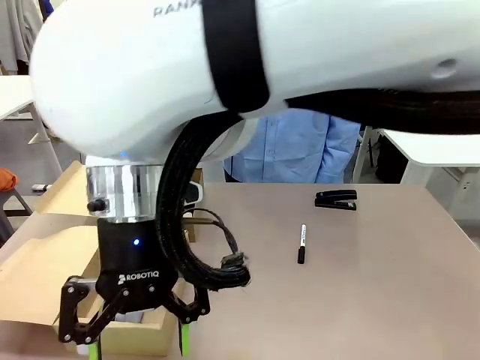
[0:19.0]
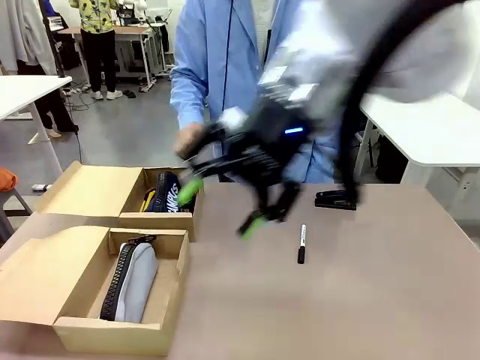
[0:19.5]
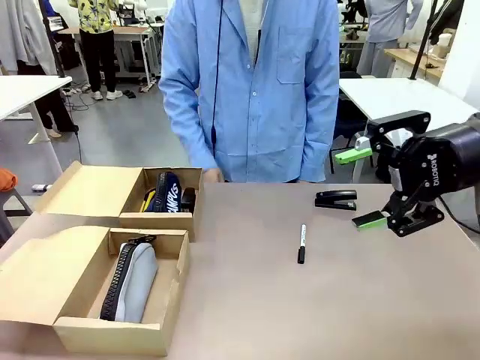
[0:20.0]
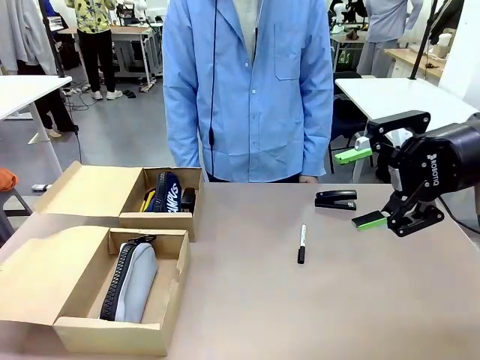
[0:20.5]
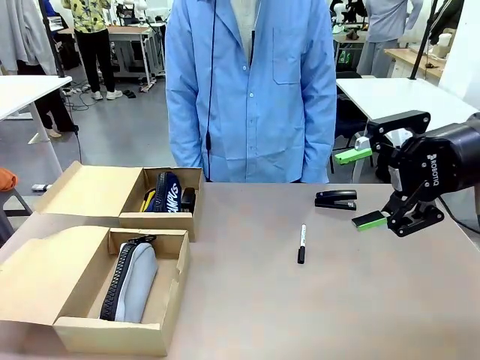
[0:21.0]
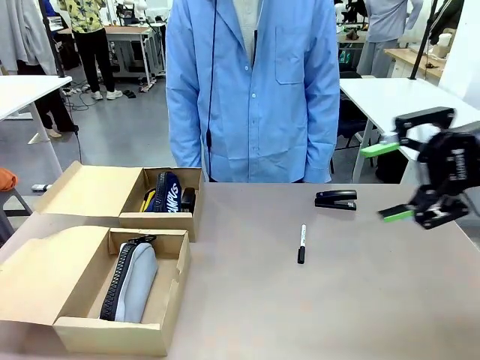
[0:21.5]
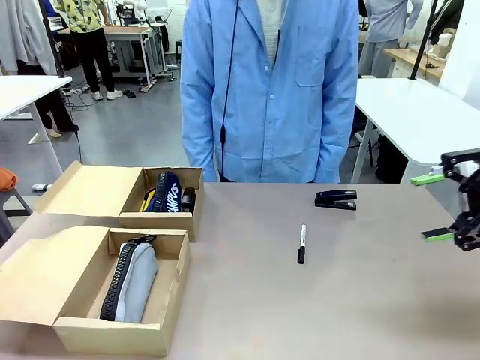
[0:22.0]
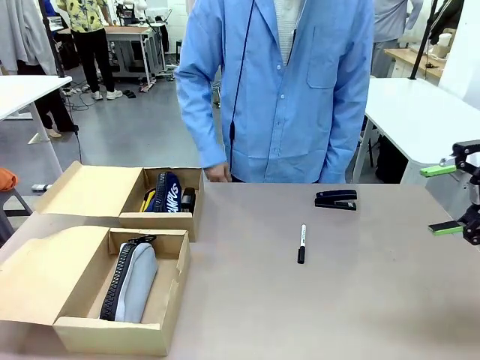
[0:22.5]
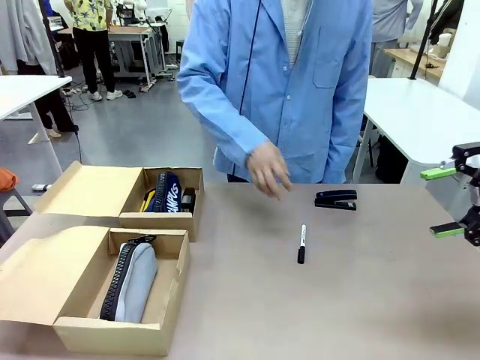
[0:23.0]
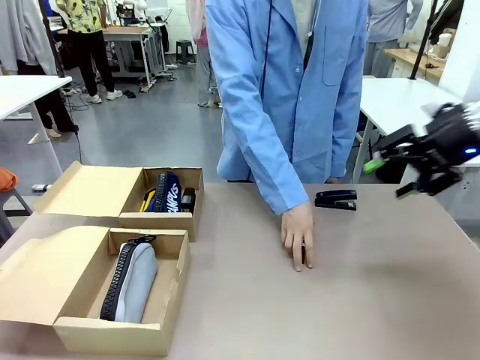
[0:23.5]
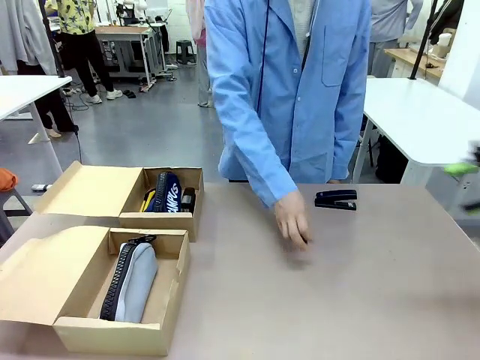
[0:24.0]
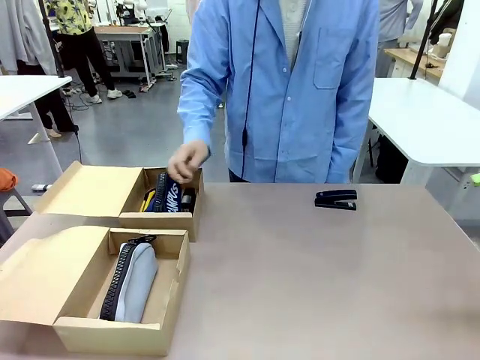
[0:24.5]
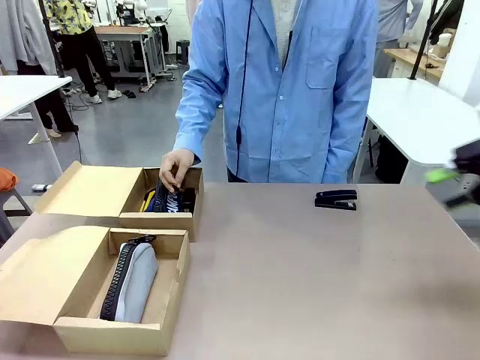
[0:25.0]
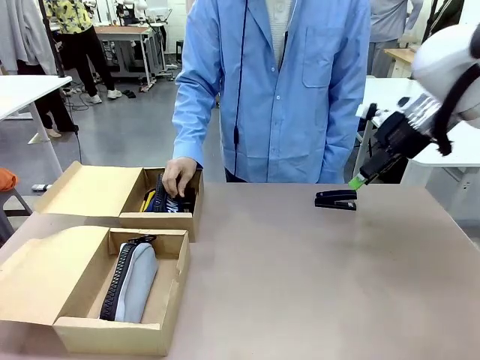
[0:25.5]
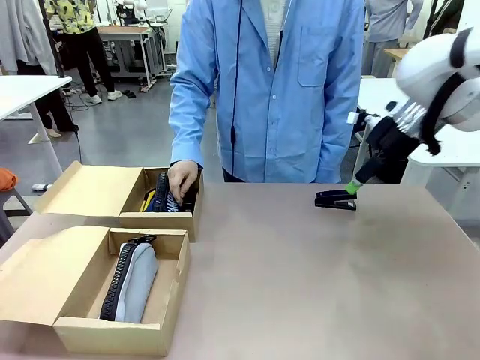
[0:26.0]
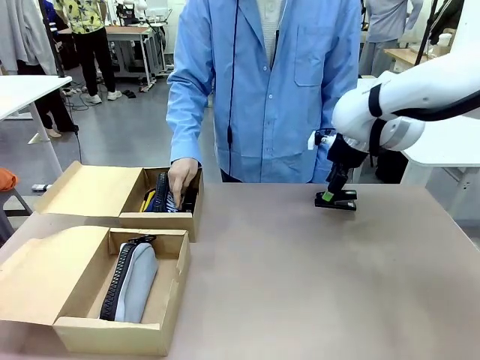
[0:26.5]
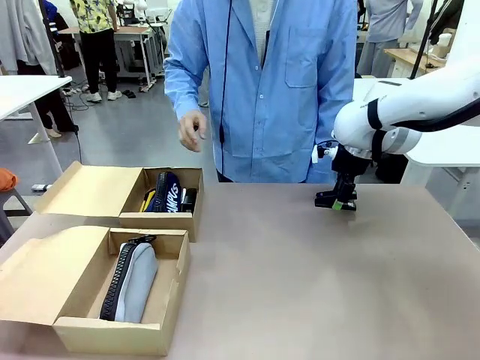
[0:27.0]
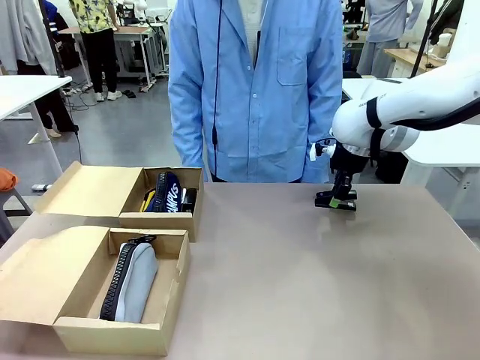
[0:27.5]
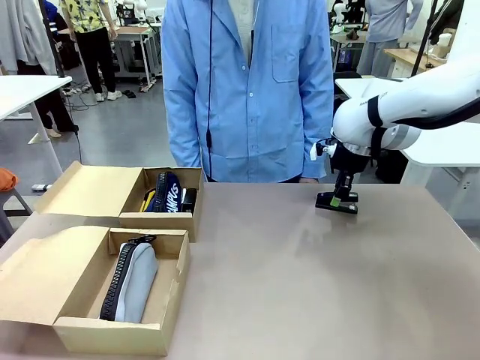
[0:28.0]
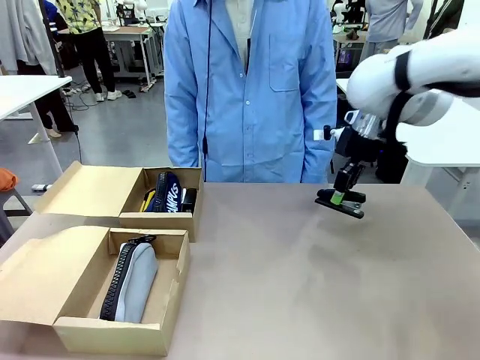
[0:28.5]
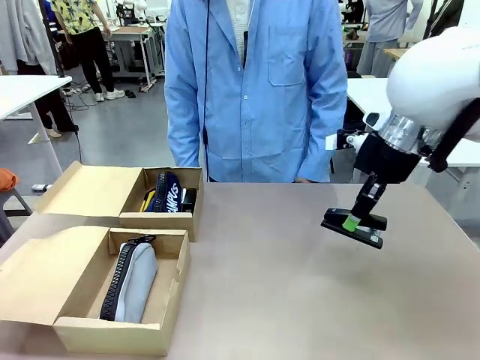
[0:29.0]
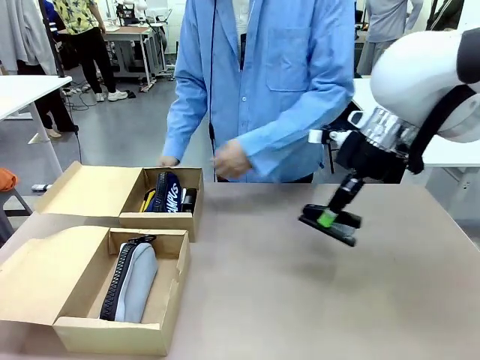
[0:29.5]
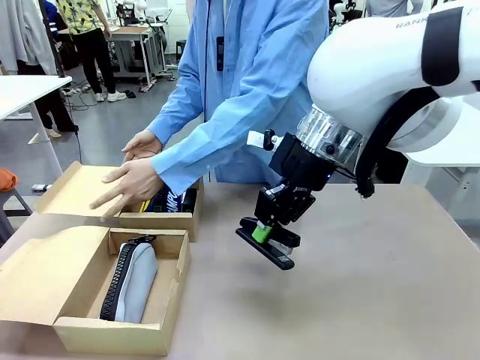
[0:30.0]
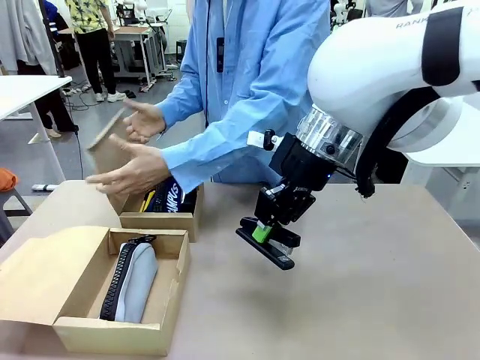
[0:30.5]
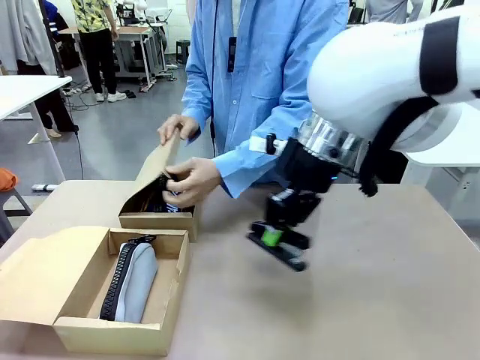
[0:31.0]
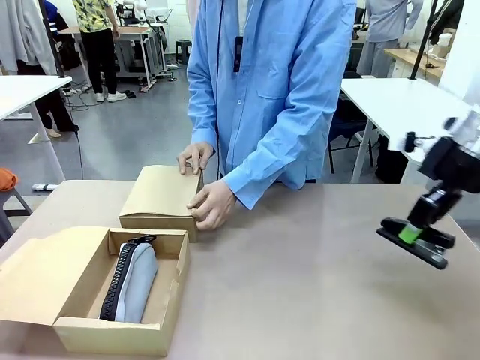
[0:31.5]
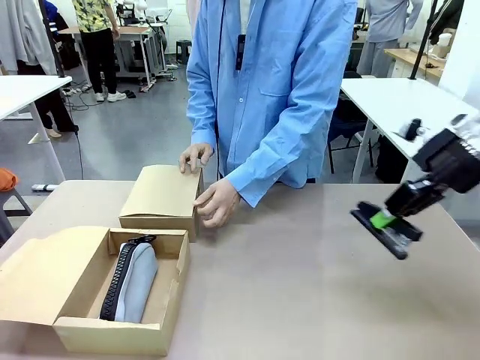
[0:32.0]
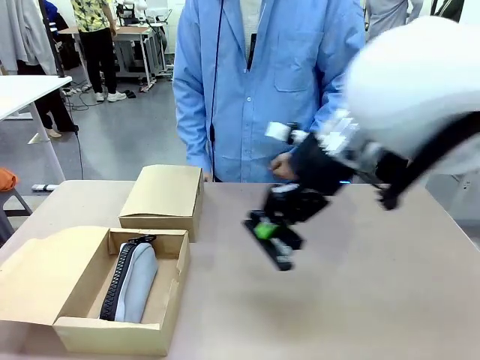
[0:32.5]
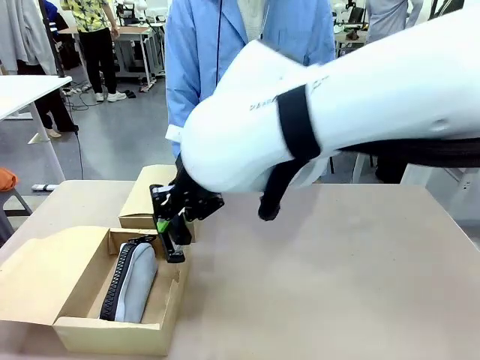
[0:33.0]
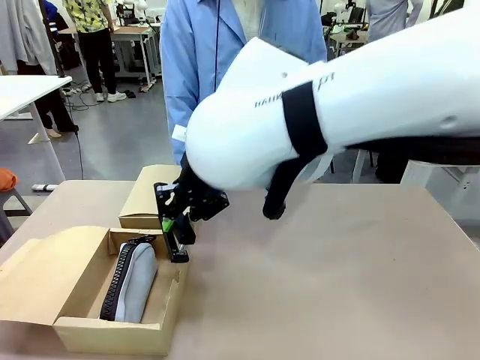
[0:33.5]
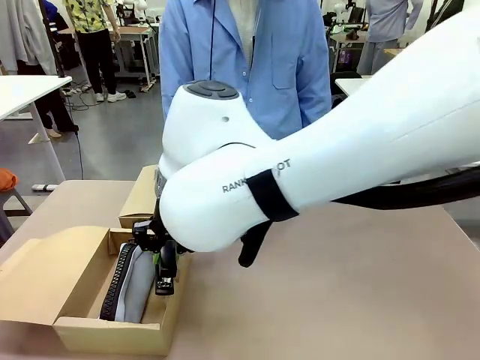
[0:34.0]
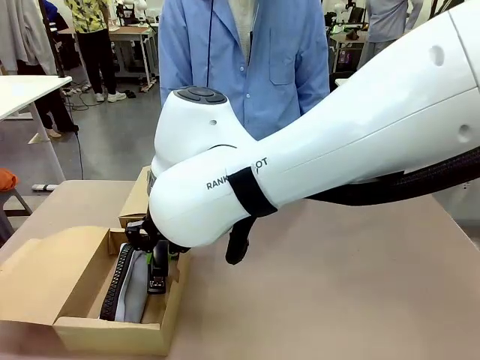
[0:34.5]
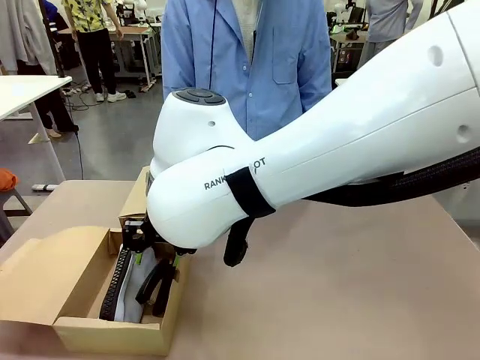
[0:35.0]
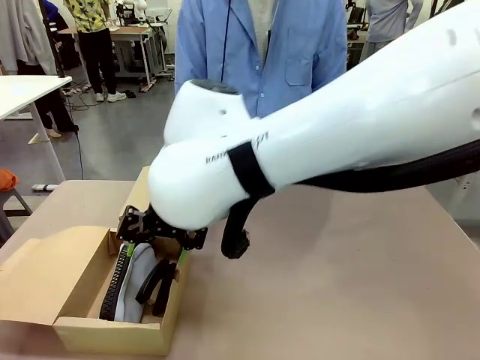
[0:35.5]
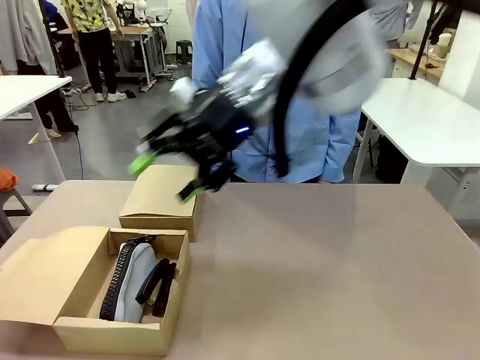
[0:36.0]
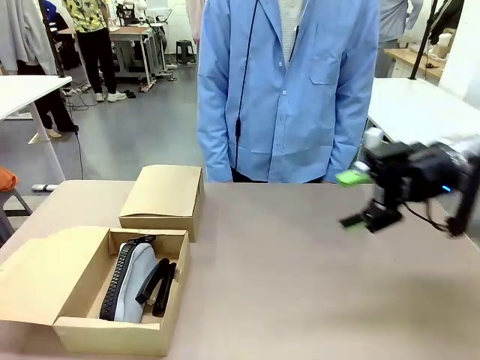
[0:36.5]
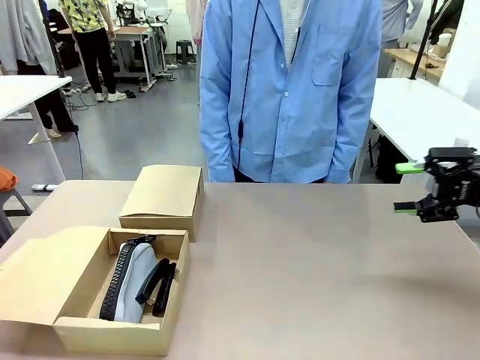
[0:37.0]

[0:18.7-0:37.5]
Task: Place items inside the box.
Robot: Pick up a Pencil pouch or Stapler and place it inside the Mailer Box closest to the robot.

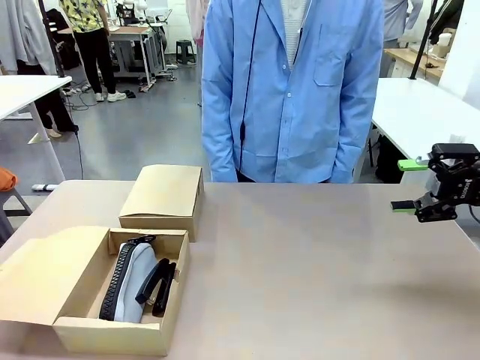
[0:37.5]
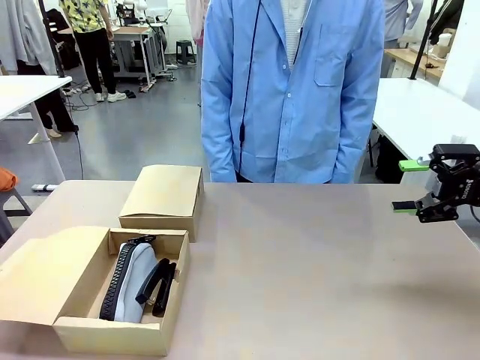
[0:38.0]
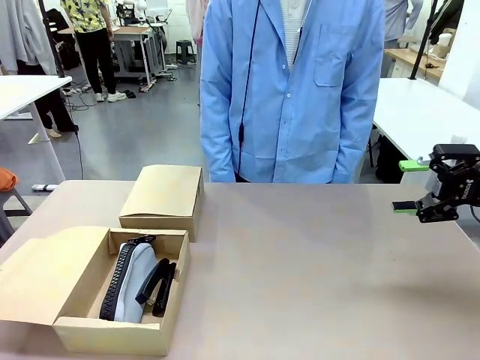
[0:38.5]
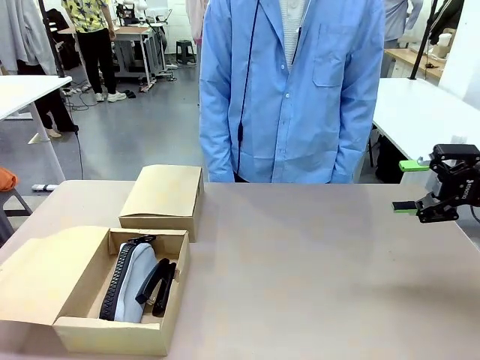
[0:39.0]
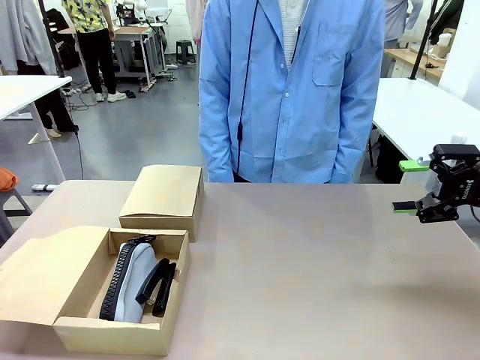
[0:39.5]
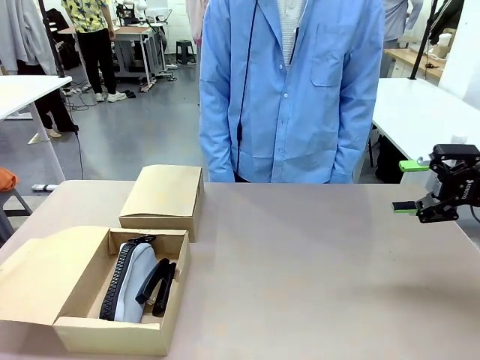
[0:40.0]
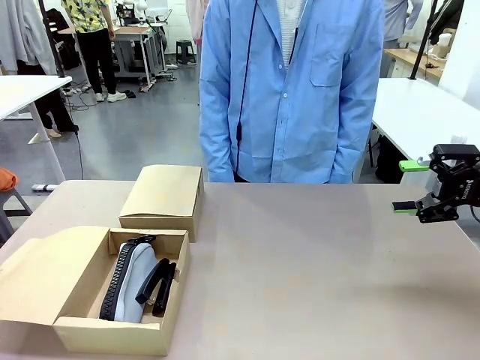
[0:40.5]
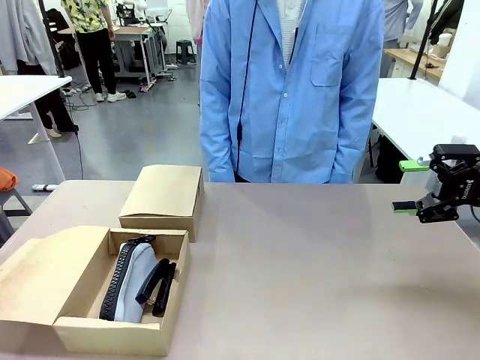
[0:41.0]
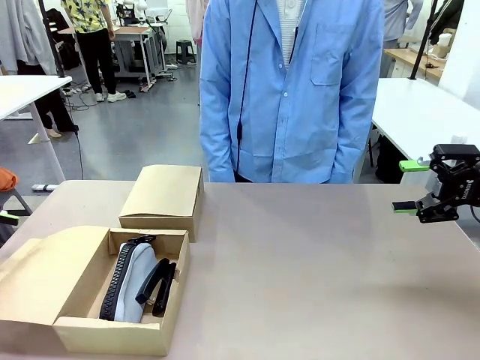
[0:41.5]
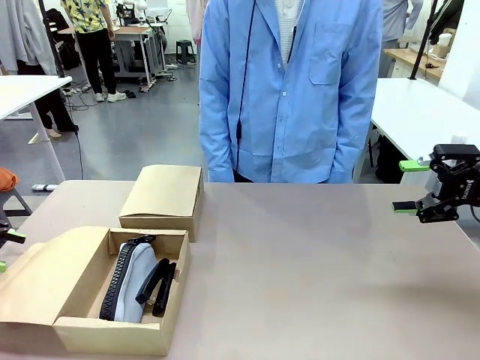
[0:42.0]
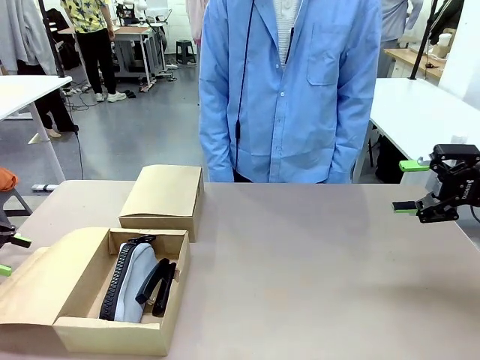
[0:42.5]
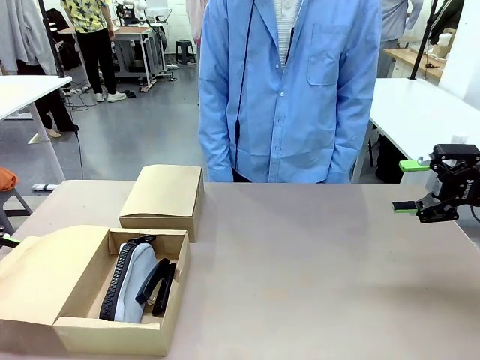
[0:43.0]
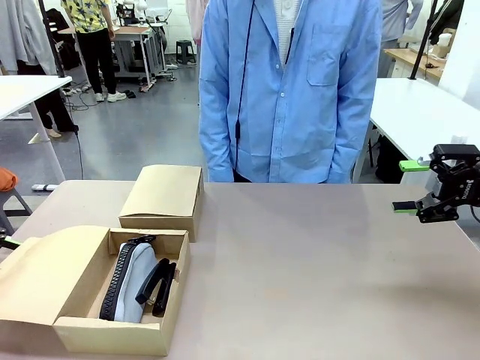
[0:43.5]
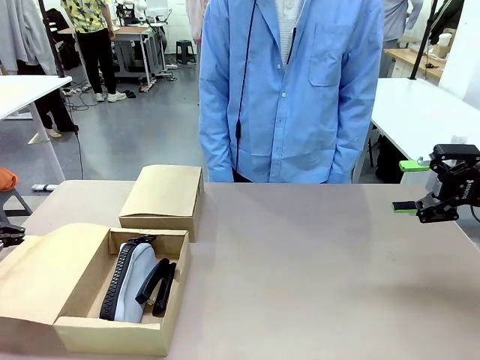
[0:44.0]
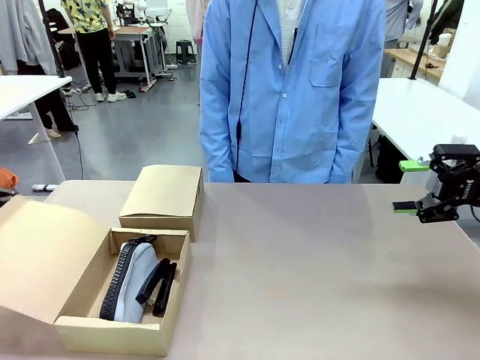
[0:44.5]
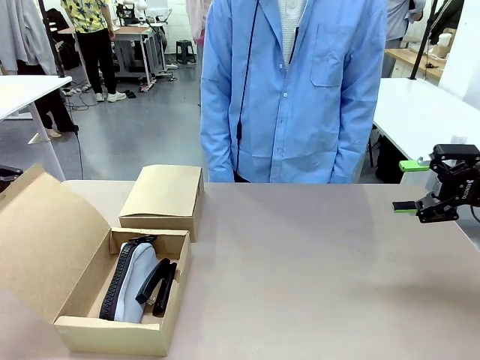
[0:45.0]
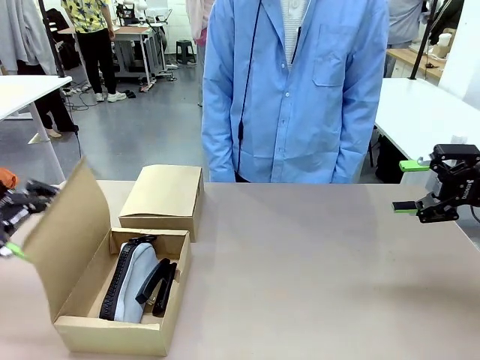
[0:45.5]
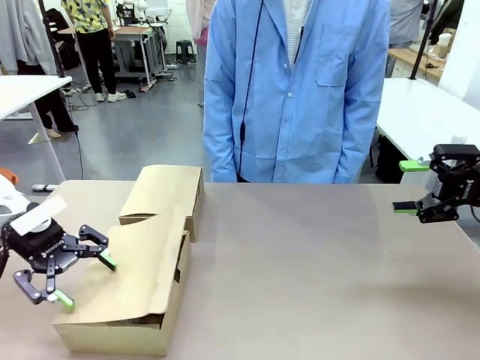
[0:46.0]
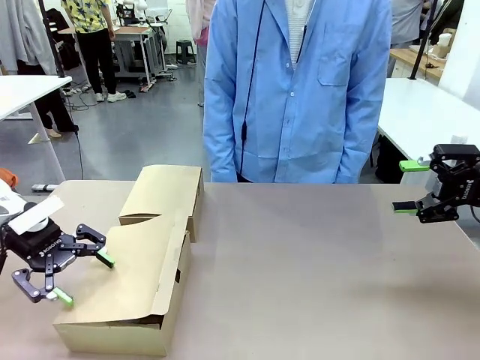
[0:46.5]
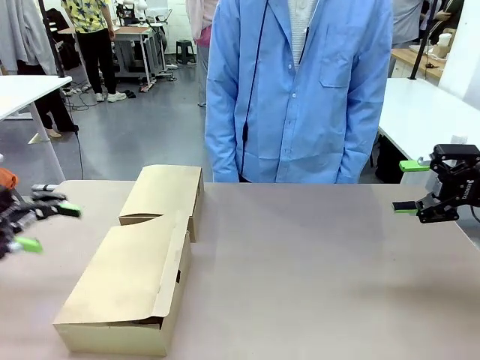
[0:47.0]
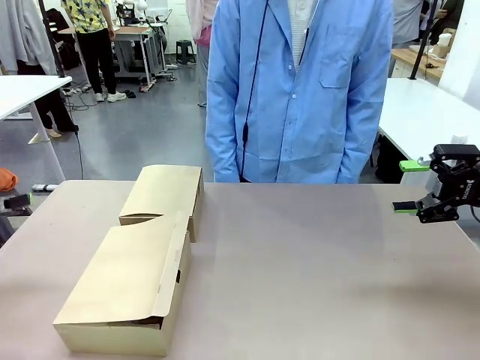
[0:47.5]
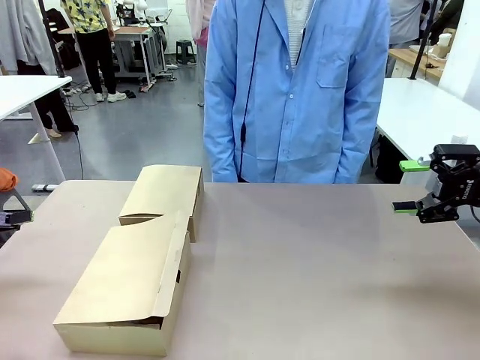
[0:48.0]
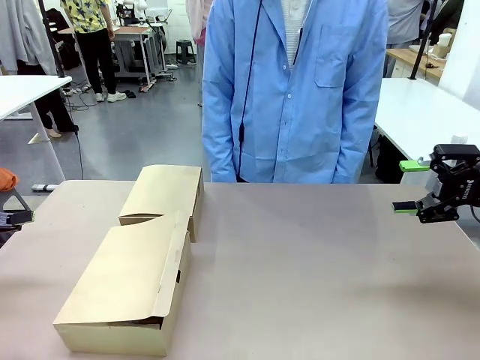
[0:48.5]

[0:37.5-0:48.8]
Robot: Close the lid of the Mailer Box closest to the robot.
Person: Close the lid of the box facing the person.
